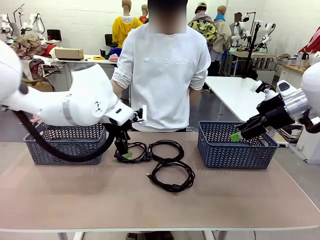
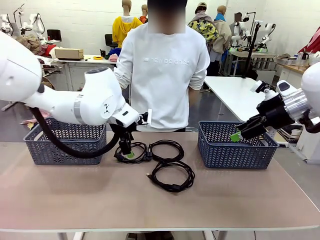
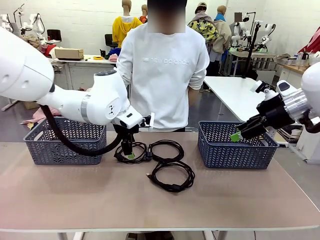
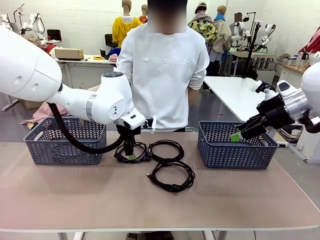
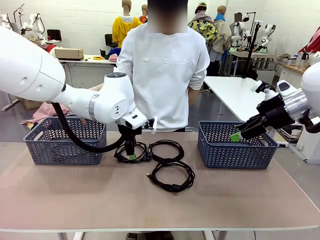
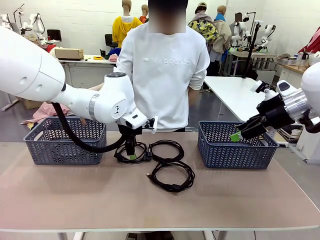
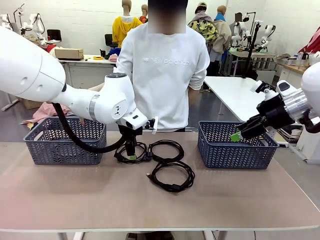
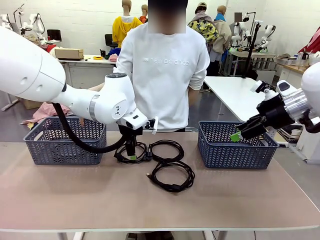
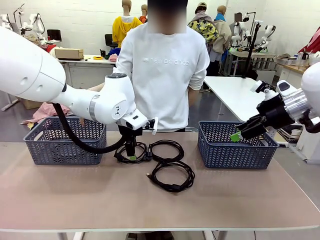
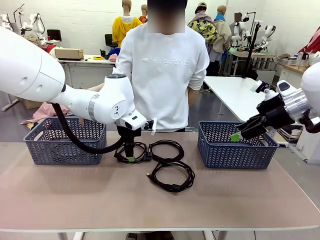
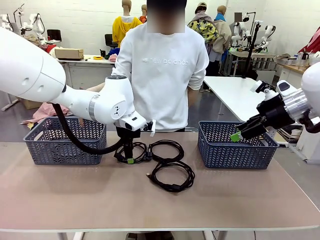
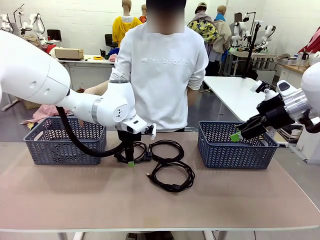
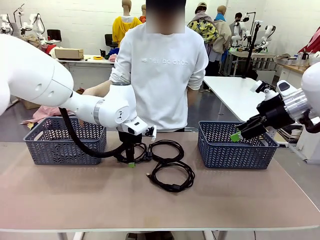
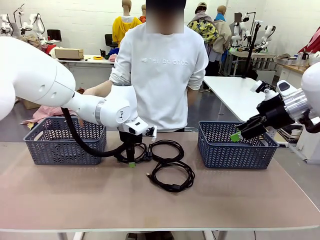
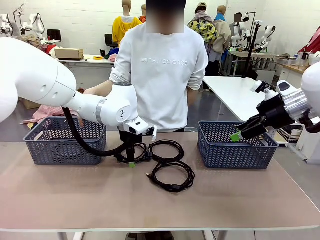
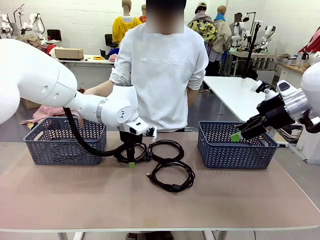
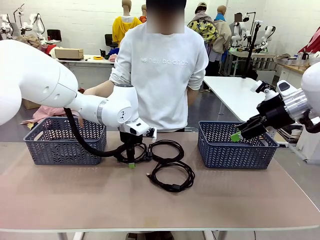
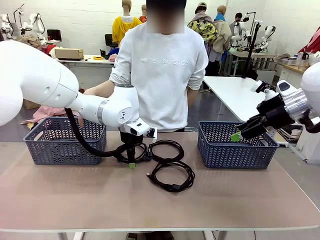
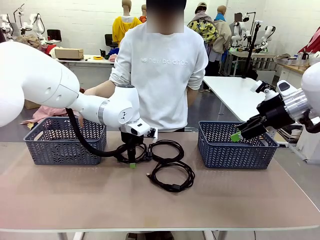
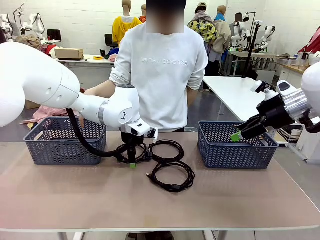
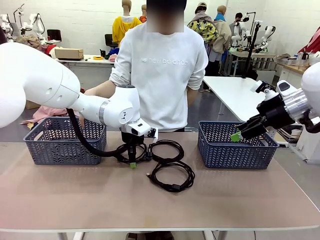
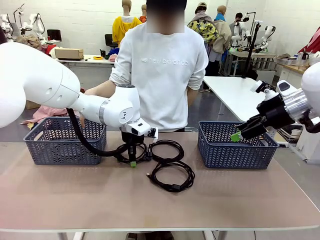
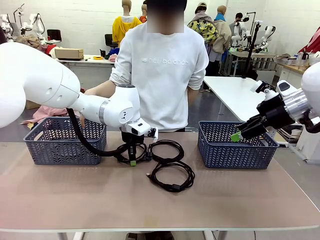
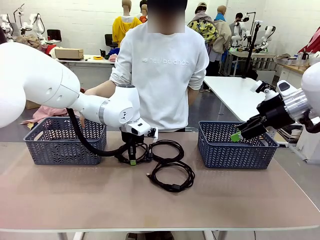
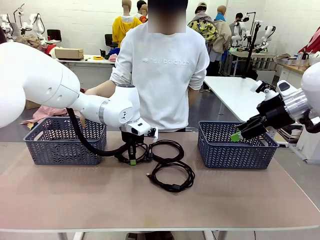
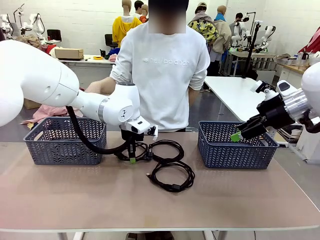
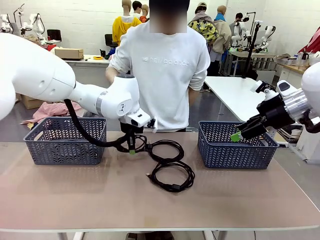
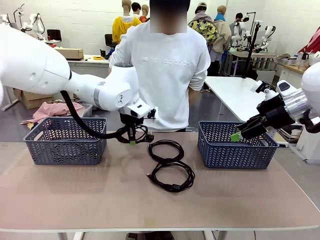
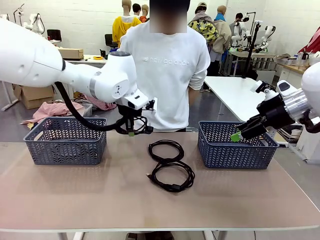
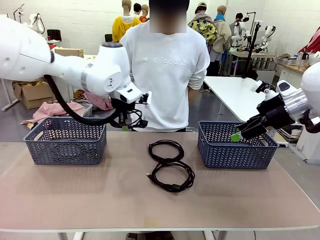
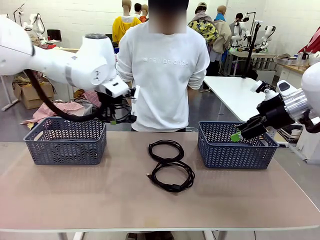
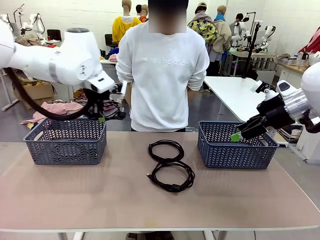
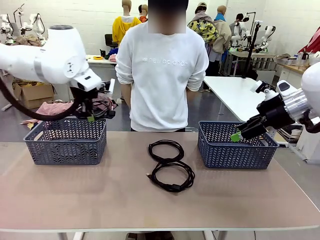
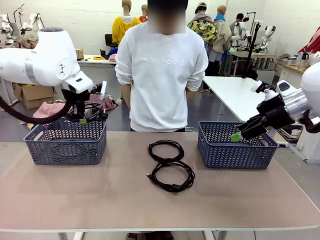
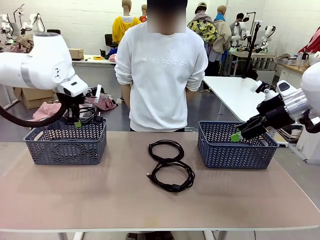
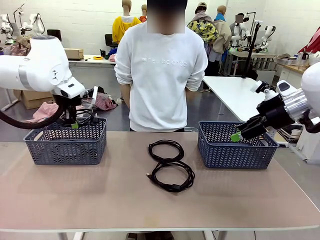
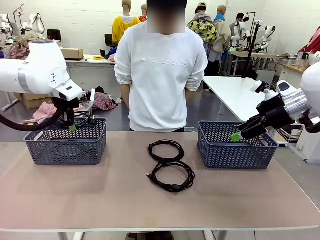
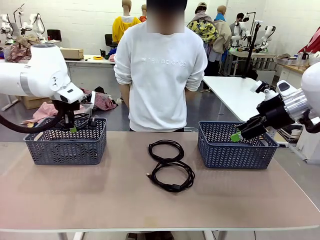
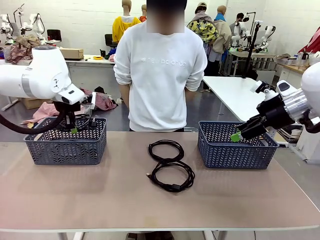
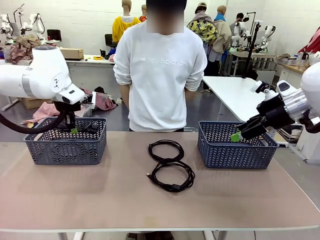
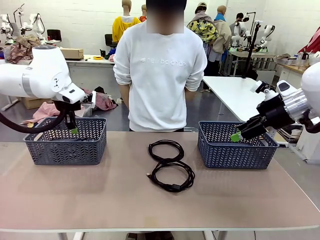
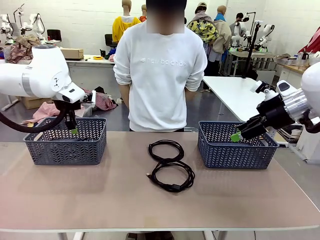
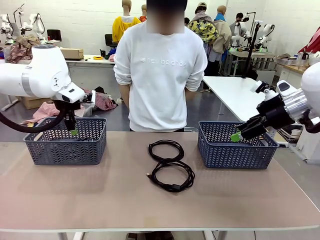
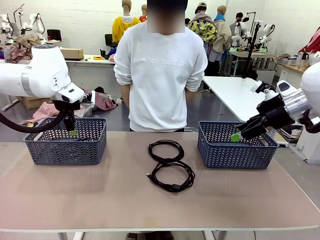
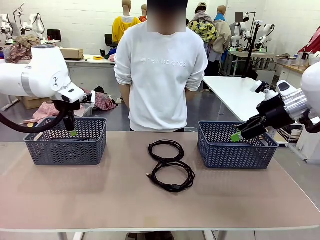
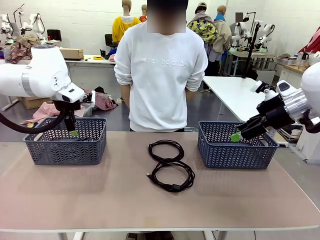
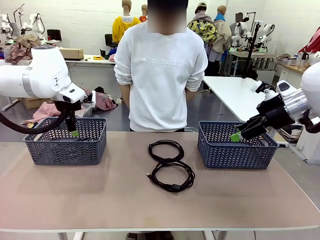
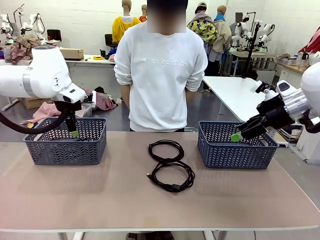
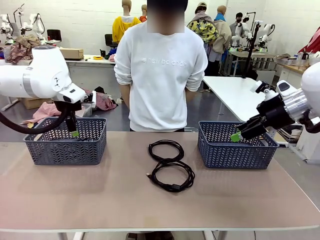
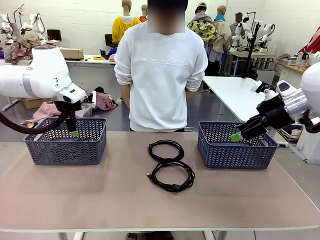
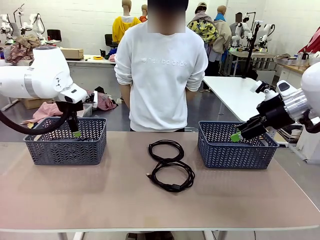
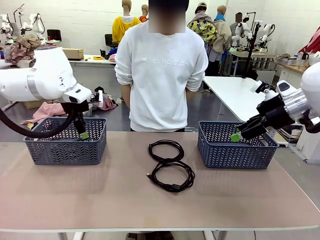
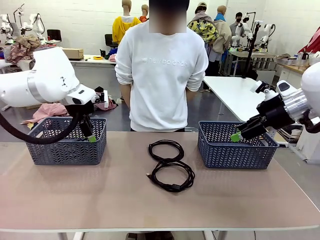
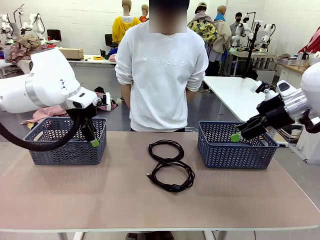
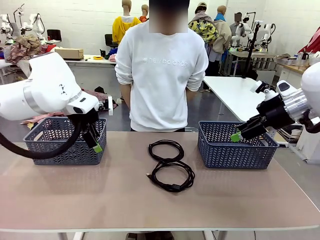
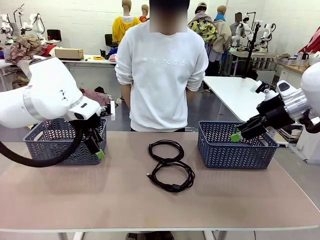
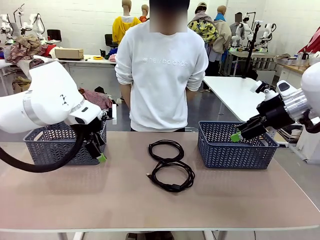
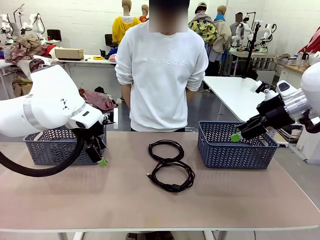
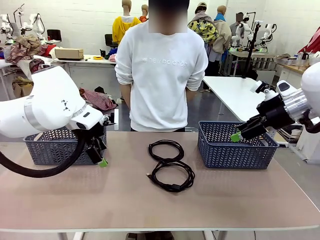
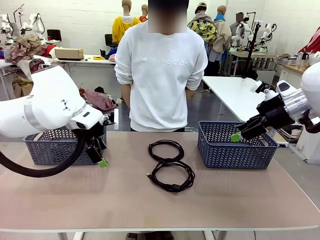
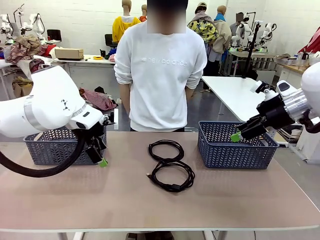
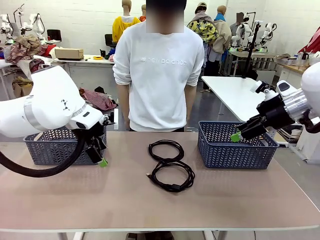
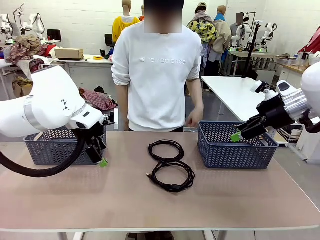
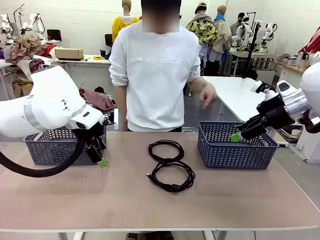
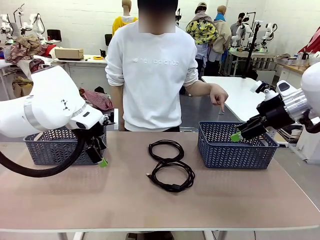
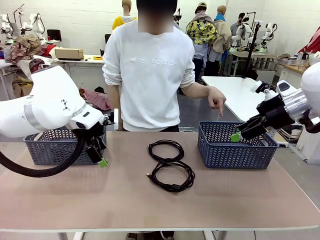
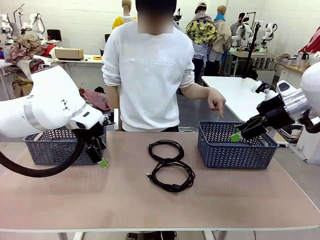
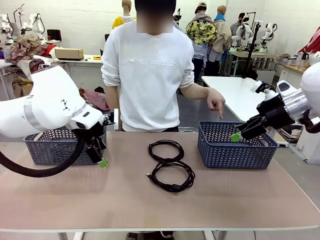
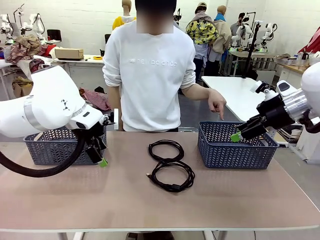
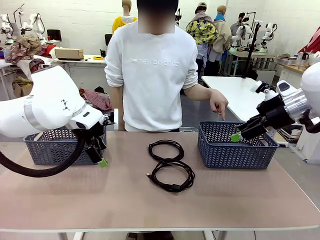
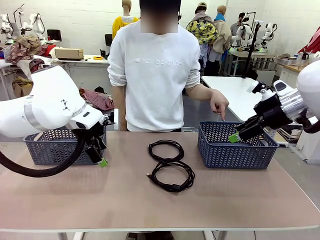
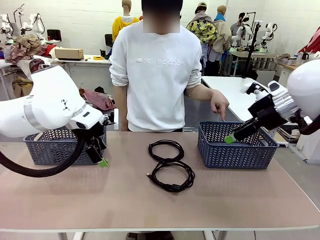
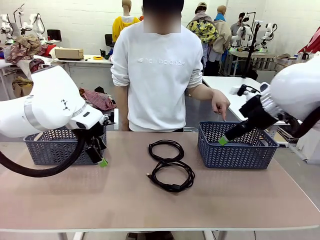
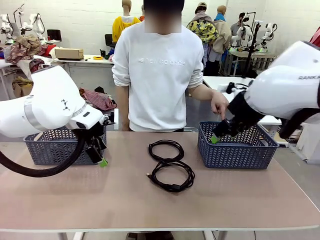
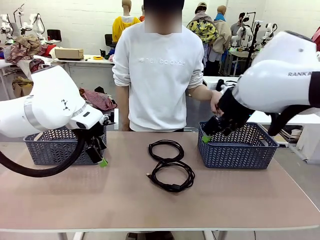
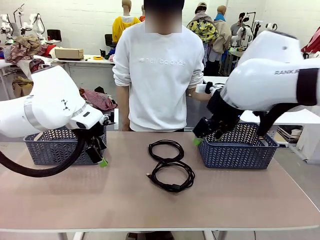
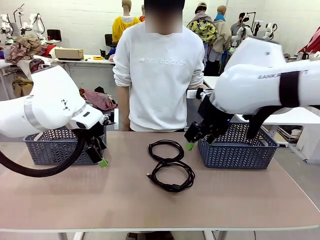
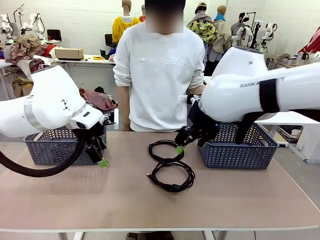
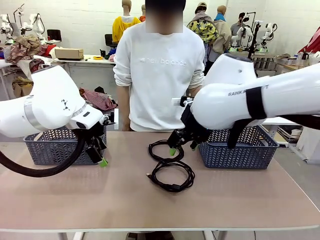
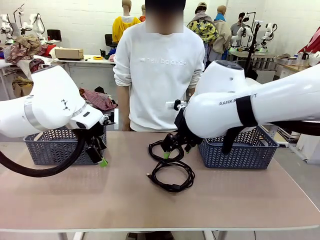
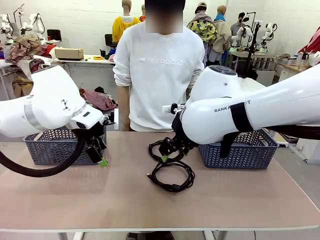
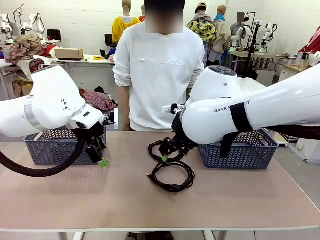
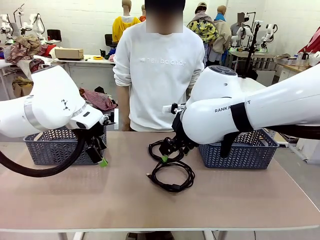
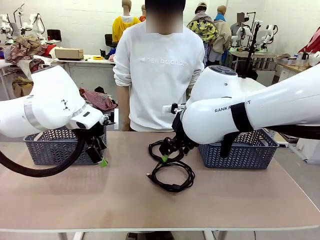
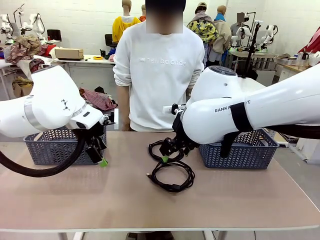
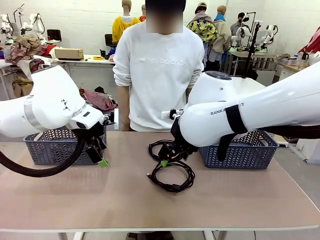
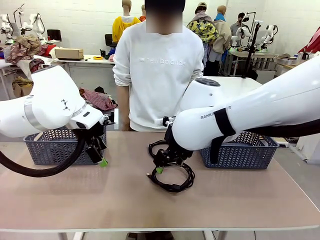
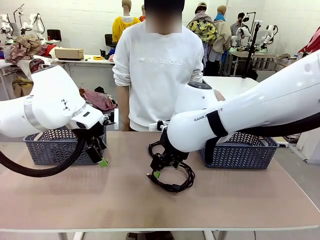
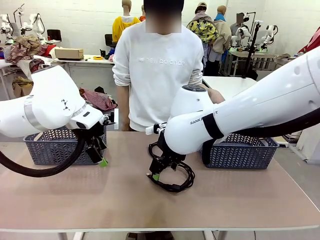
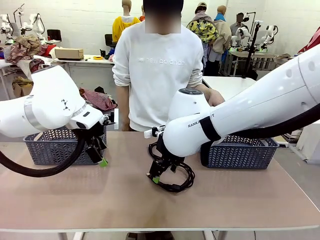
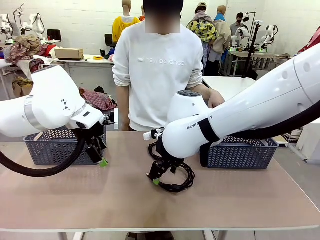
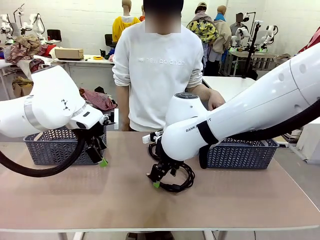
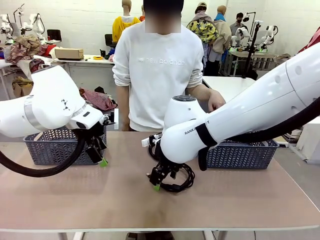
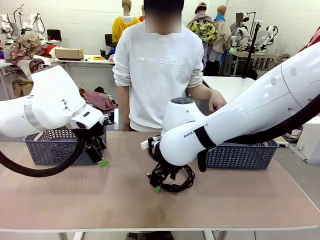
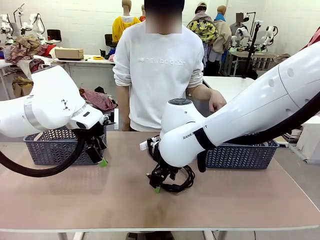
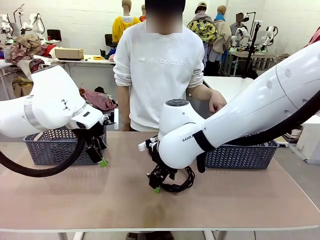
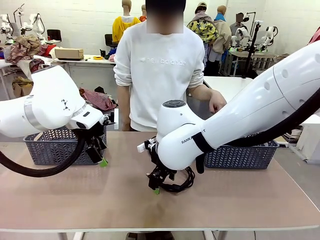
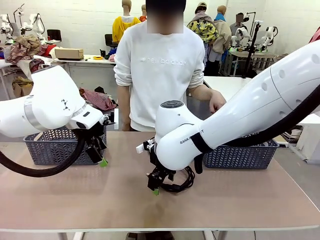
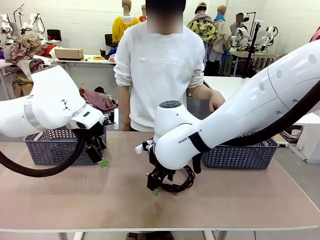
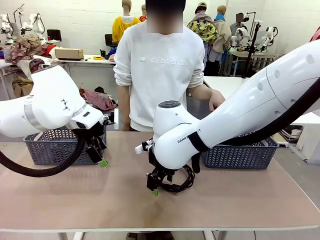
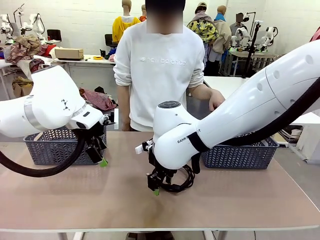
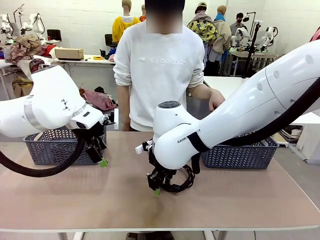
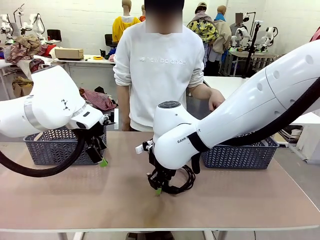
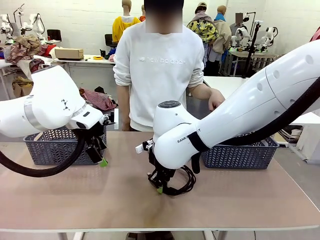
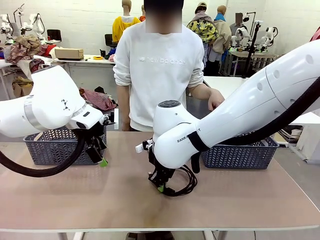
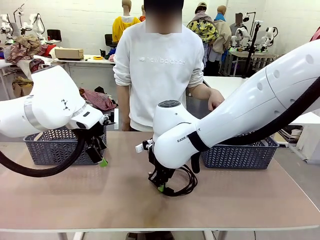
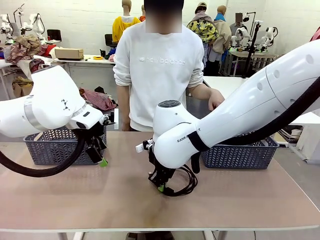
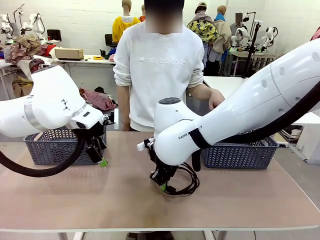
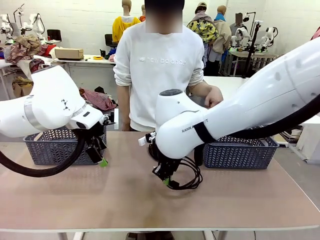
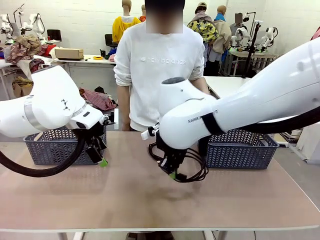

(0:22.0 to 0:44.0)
Task: Organize the cables according to human instructions.
Robot: Pick up a bundle of cables and place it in the basket indicated by the human.
